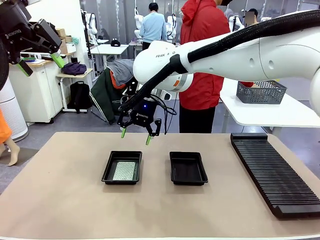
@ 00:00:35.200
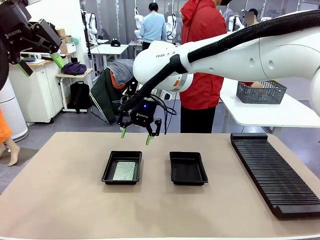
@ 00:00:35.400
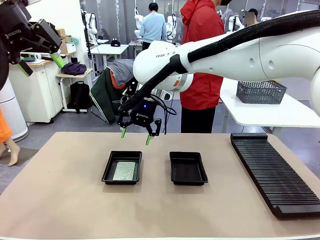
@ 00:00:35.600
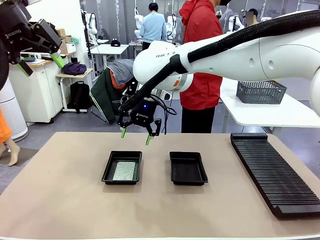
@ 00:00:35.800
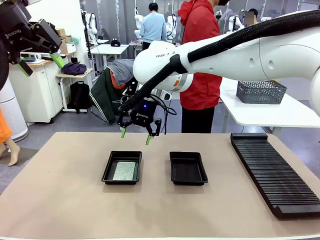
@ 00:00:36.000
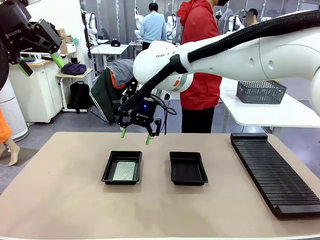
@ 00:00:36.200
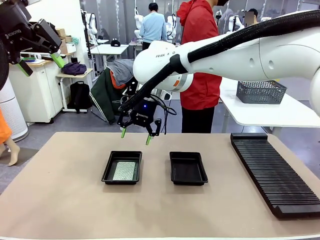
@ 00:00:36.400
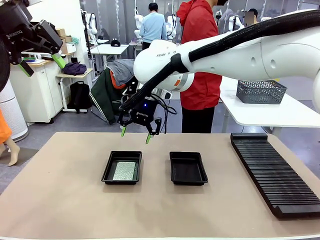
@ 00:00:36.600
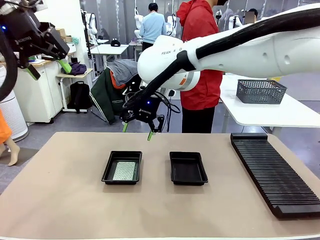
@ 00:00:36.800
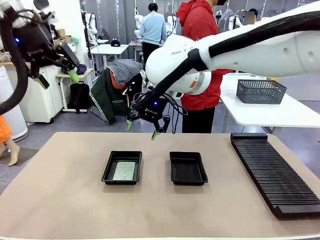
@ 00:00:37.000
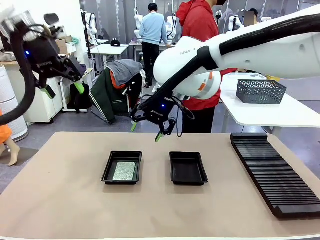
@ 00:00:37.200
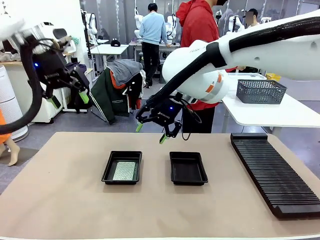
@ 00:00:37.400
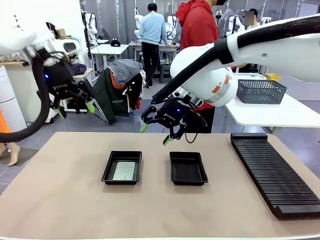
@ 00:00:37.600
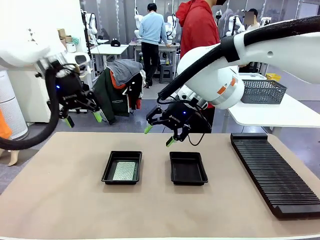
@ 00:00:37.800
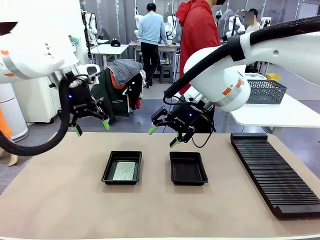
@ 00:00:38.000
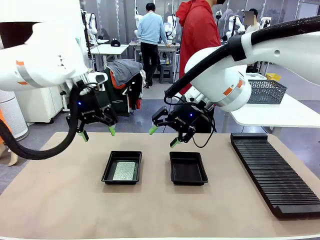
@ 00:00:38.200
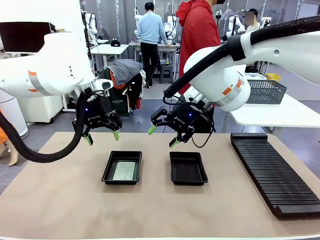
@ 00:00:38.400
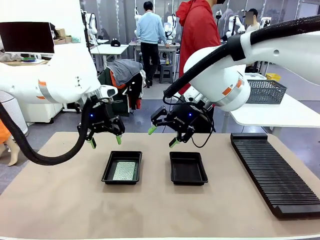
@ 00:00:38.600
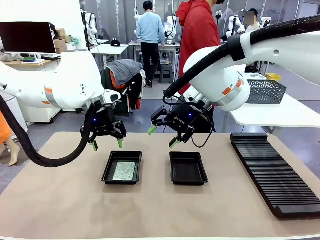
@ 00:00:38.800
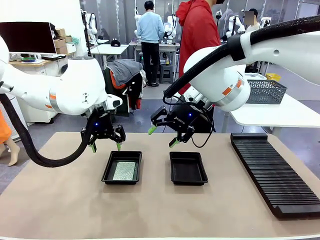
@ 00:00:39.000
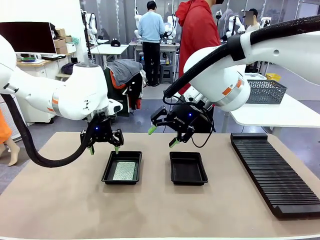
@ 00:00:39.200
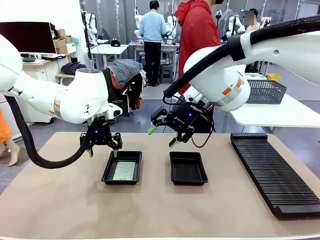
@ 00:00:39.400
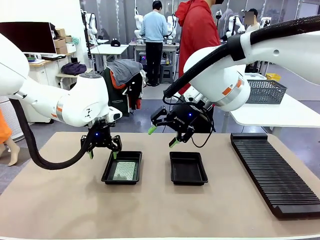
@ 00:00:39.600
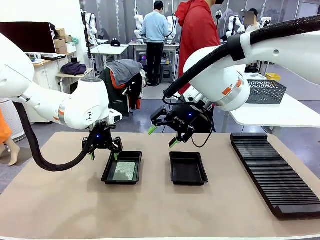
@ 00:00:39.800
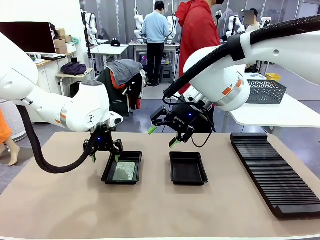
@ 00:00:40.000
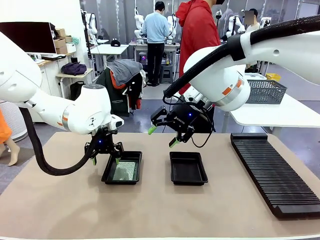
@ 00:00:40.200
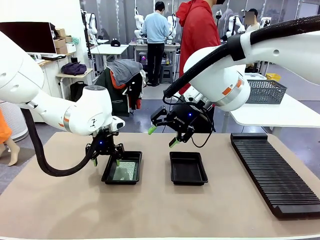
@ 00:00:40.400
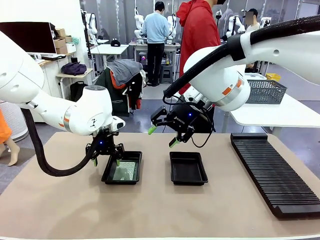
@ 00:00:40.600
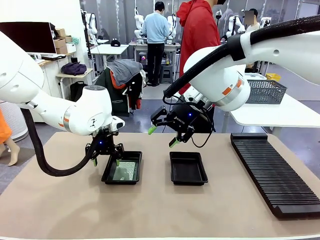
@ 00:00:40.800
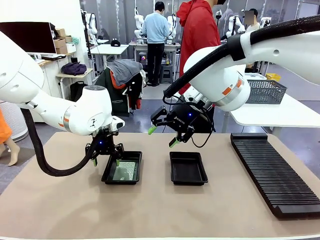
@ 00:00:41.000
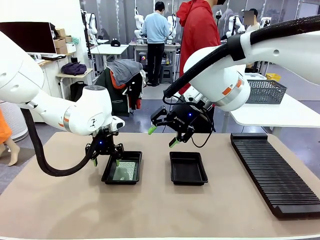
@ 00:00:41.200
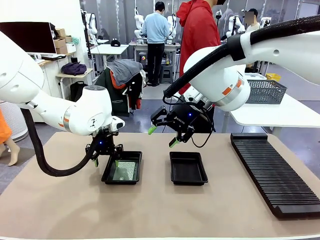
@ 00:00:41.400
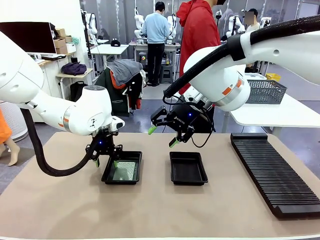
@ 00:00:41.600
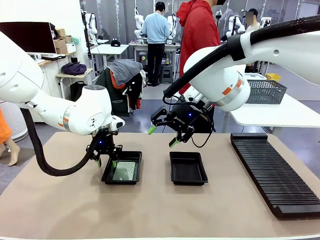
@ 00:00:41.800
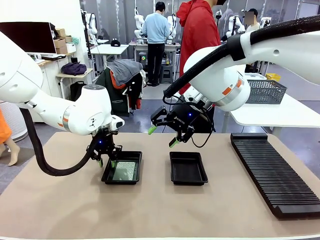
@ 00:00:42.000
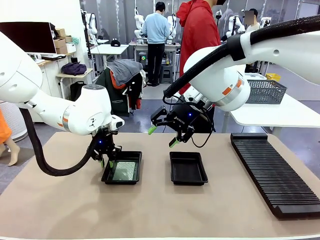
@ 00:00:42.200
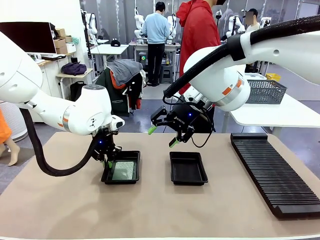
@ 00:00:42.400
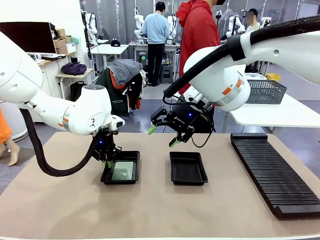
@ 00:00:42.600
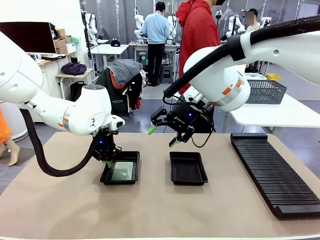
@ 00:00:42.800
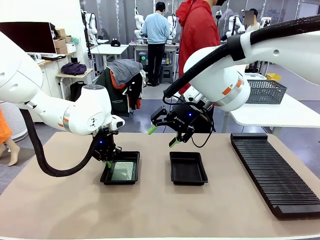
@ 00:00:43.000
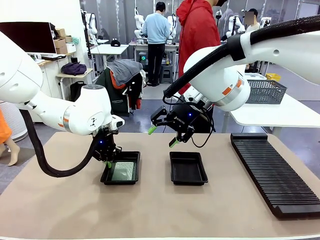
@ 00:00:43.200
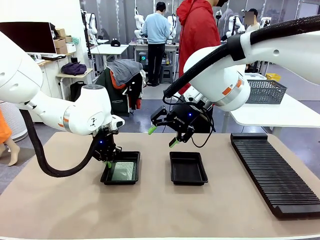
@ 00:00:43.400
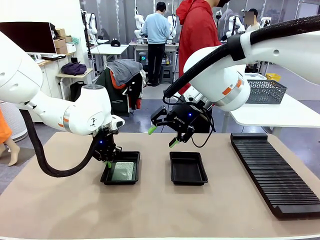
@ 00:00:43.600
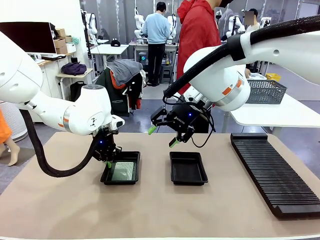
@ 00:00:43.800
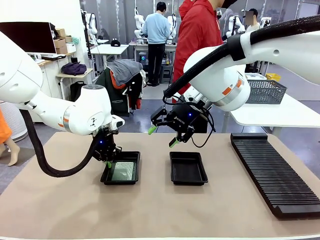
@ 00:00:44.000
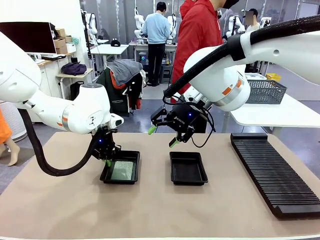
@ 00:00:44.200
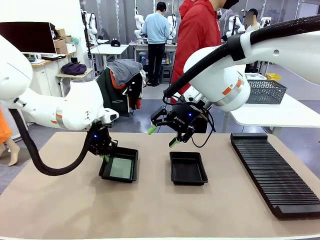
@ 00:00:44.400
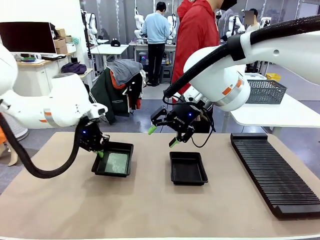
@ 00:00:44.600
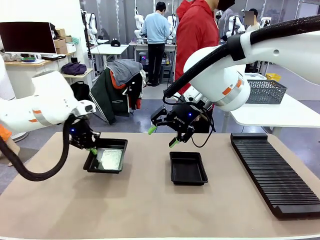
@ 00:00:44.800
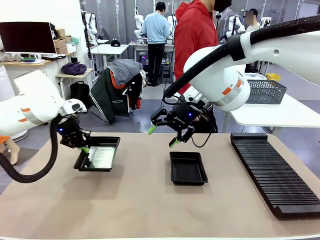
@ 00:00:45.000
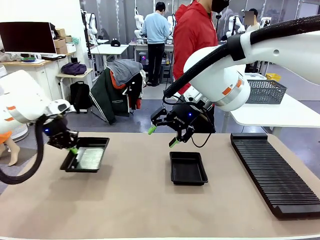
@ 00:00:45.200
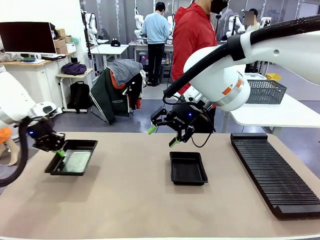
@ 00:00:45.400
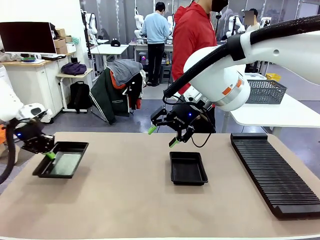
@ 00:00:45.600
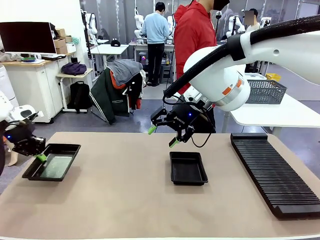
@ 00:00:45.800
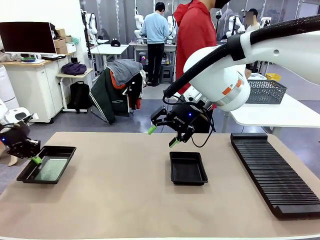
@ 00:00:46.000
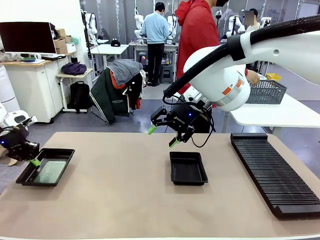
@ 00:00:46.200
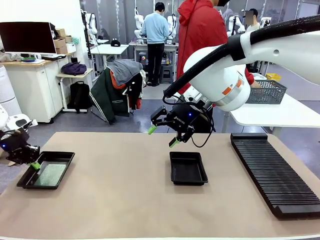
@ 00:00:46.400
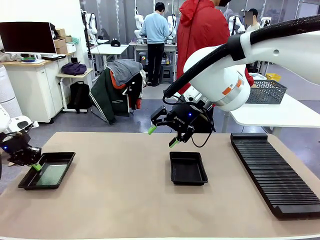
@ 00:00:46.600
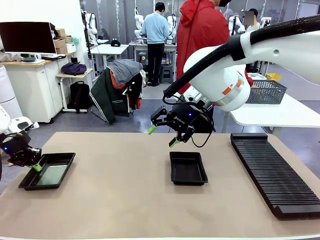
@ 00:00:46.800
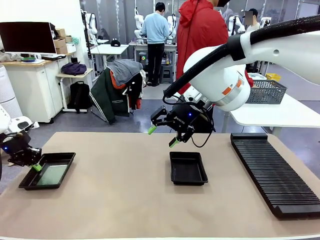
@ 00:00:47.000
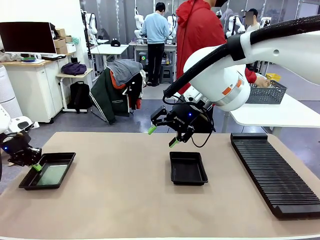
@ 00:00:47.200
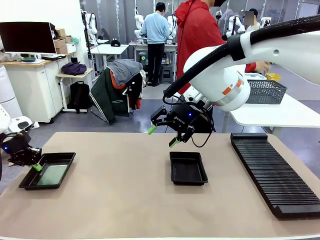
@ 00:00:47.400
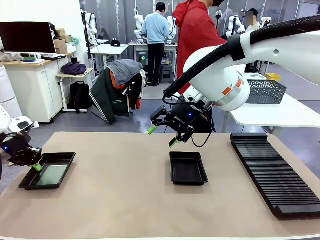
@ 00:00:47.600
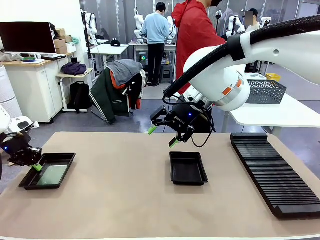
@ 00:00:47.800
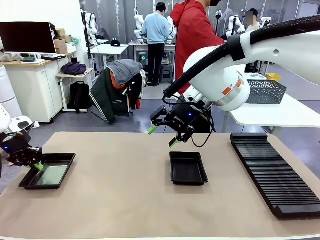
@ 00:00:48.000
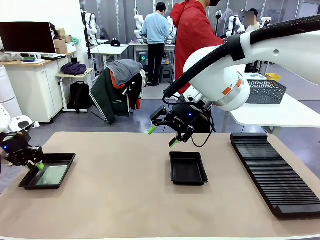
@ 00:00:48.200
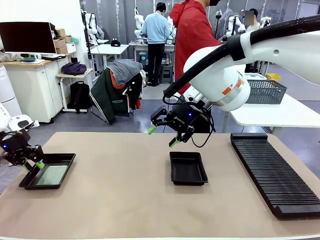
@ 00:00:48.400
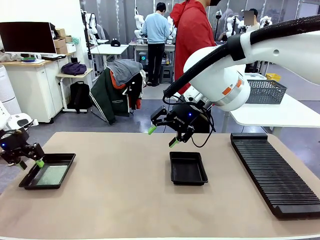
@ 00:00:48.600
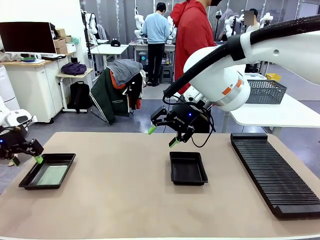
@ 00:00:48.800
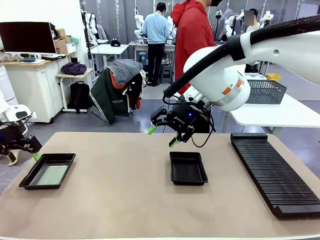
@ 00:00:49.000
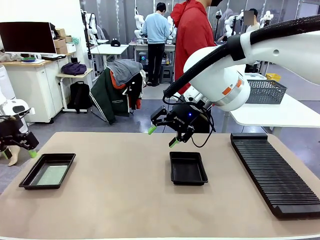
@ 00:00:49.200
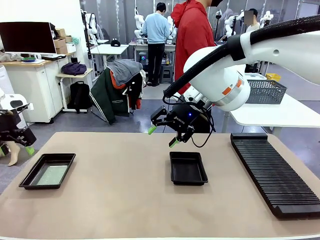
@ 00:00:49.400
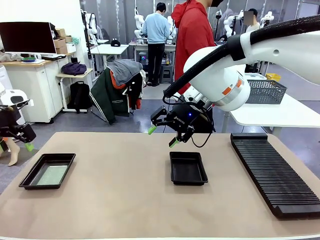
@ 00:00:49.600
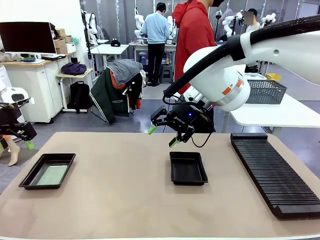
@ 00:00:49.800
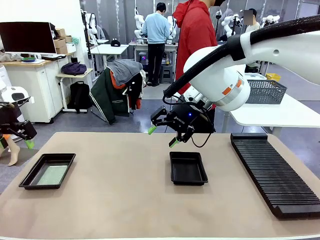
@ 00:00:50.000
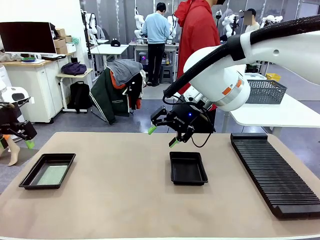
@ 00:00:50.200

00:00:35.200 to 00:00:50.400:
Task: Inspect and transfer BCBs to ESD trays.
Robot: Pick up the ESD tray and place it on the left side of the table.
